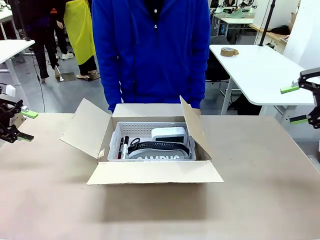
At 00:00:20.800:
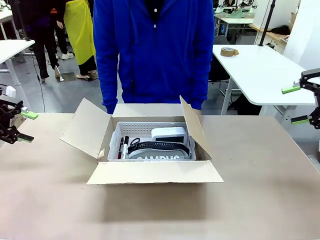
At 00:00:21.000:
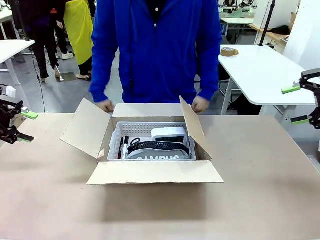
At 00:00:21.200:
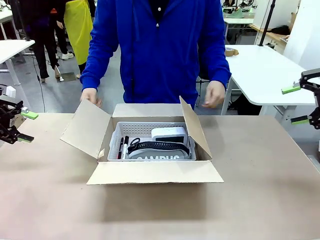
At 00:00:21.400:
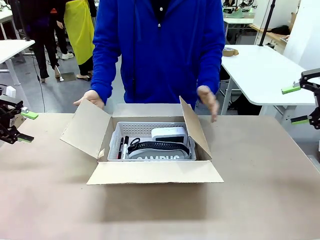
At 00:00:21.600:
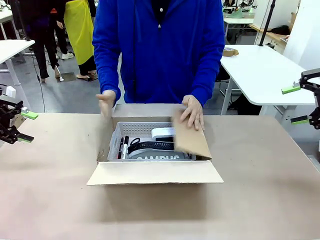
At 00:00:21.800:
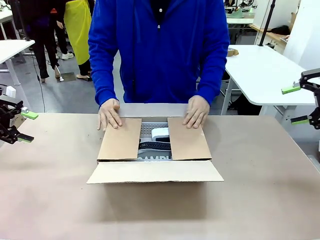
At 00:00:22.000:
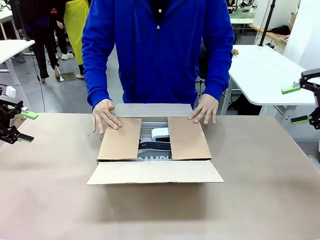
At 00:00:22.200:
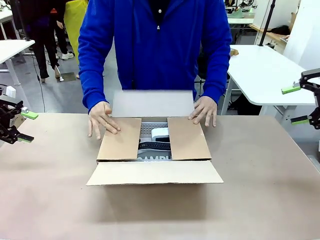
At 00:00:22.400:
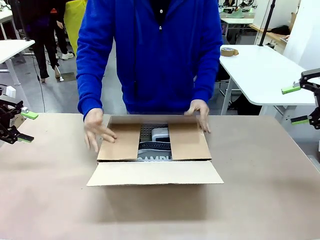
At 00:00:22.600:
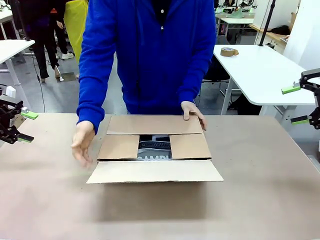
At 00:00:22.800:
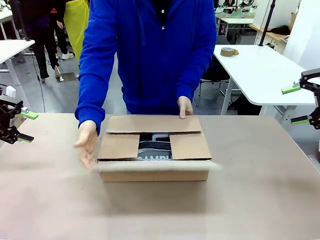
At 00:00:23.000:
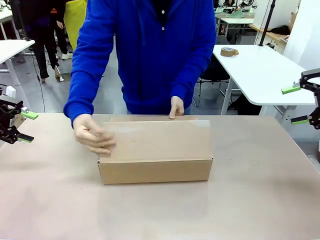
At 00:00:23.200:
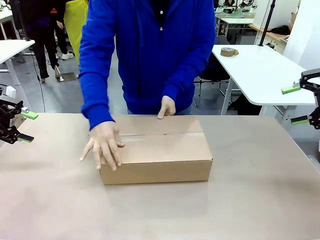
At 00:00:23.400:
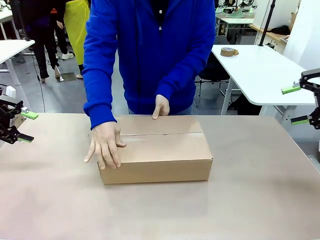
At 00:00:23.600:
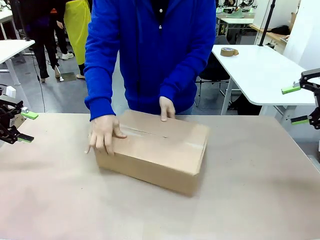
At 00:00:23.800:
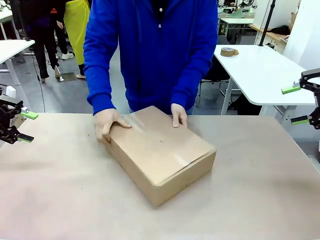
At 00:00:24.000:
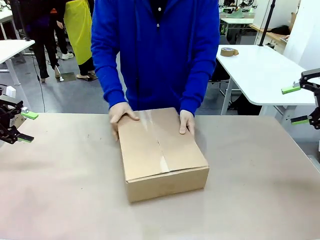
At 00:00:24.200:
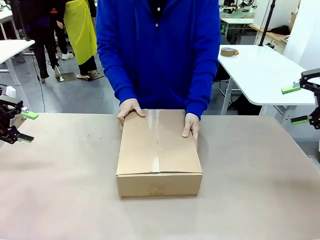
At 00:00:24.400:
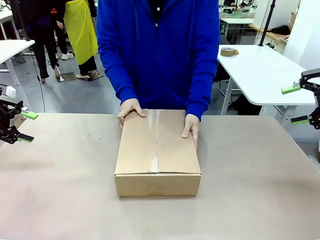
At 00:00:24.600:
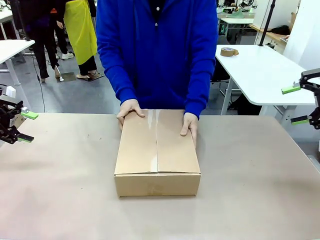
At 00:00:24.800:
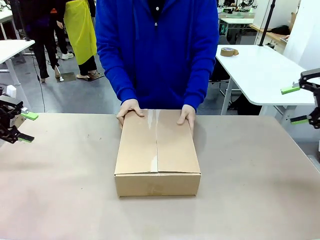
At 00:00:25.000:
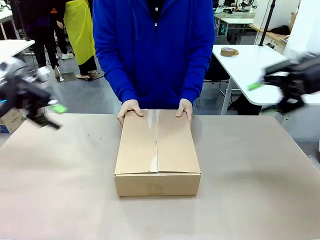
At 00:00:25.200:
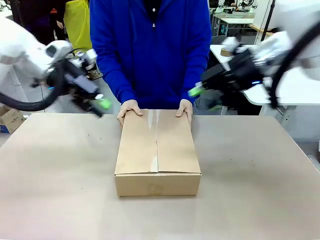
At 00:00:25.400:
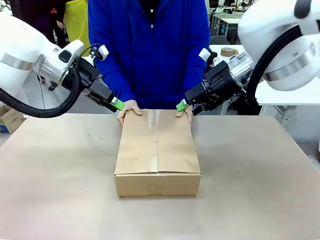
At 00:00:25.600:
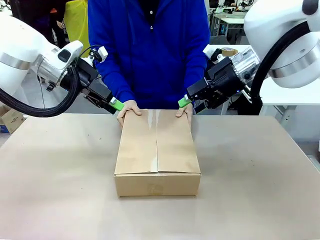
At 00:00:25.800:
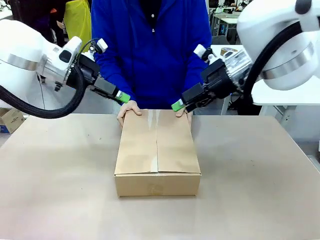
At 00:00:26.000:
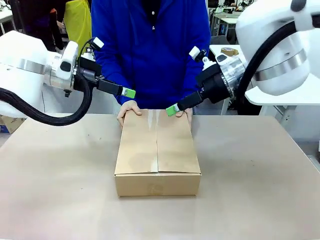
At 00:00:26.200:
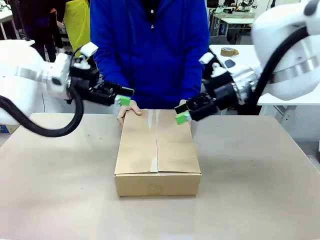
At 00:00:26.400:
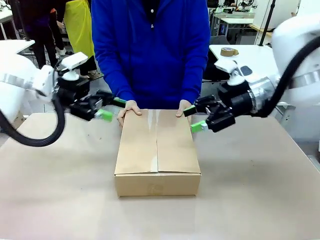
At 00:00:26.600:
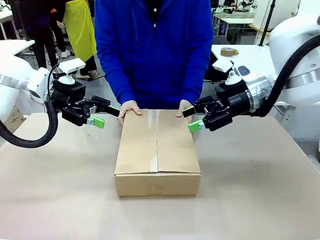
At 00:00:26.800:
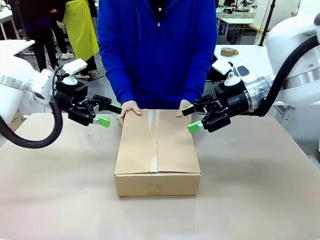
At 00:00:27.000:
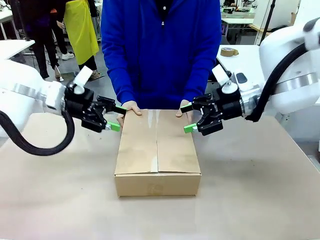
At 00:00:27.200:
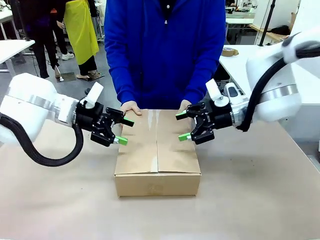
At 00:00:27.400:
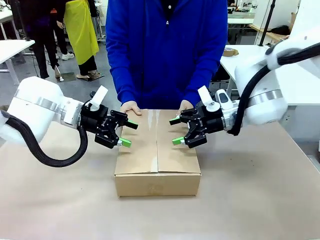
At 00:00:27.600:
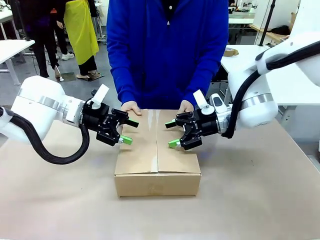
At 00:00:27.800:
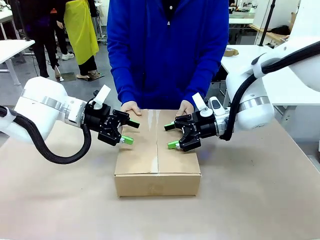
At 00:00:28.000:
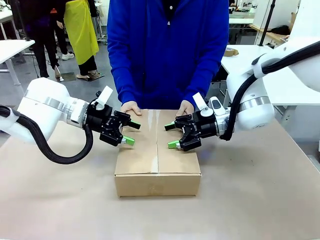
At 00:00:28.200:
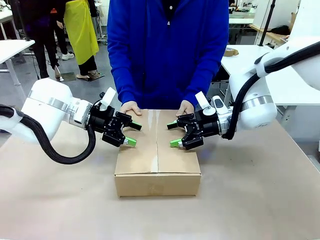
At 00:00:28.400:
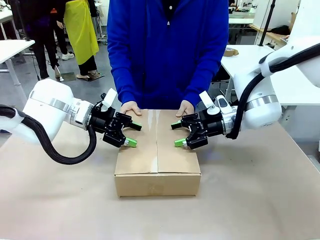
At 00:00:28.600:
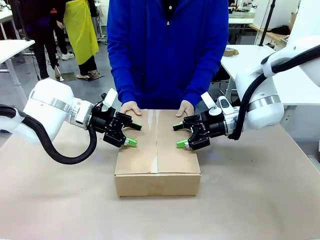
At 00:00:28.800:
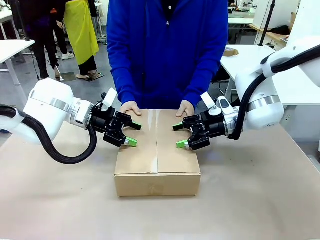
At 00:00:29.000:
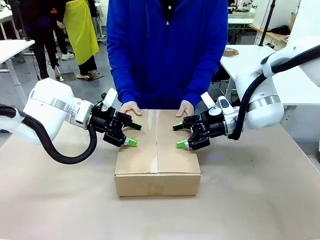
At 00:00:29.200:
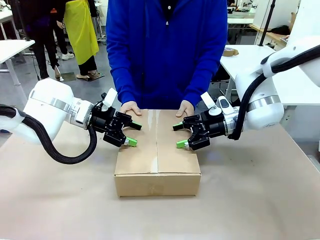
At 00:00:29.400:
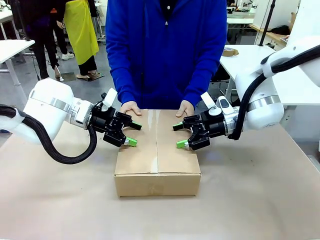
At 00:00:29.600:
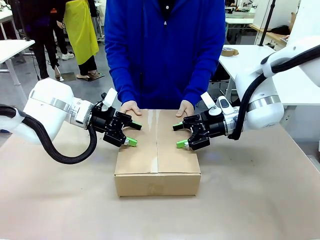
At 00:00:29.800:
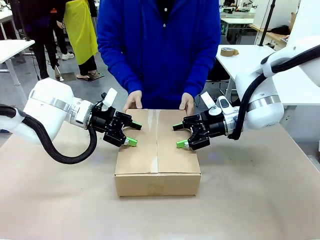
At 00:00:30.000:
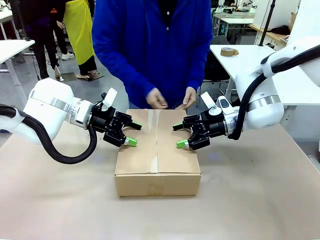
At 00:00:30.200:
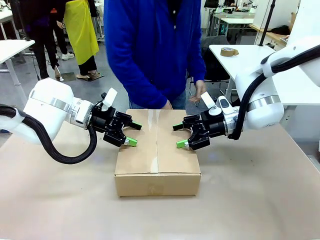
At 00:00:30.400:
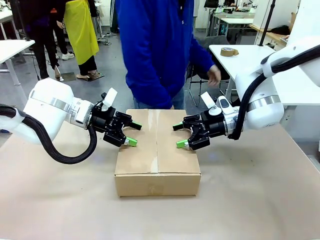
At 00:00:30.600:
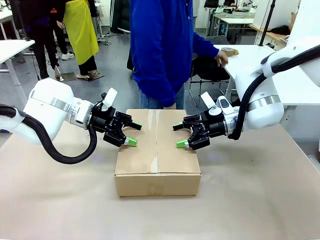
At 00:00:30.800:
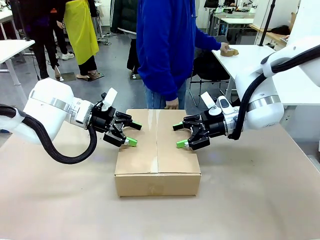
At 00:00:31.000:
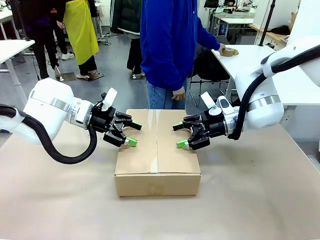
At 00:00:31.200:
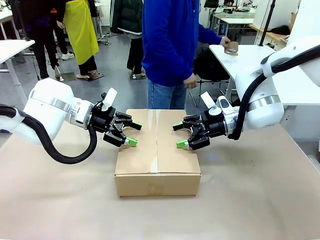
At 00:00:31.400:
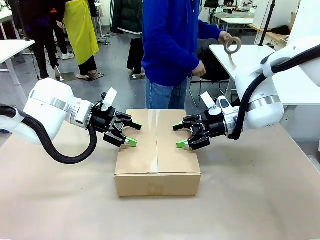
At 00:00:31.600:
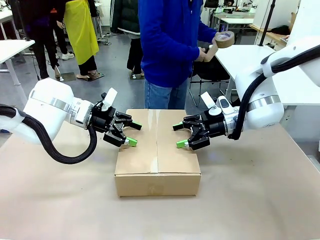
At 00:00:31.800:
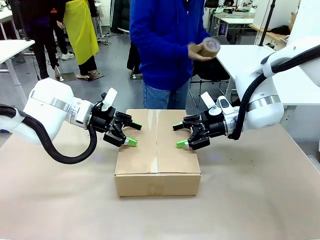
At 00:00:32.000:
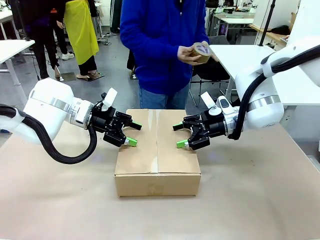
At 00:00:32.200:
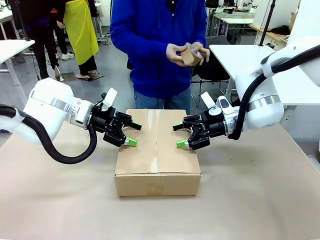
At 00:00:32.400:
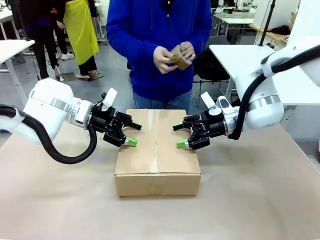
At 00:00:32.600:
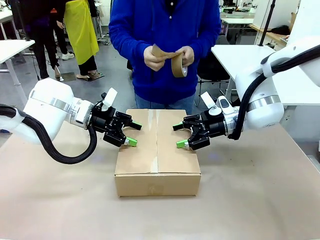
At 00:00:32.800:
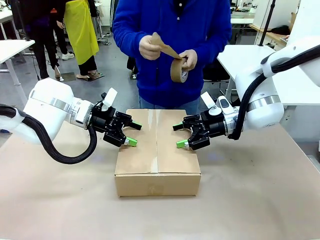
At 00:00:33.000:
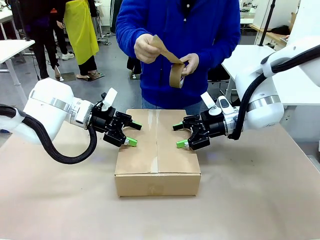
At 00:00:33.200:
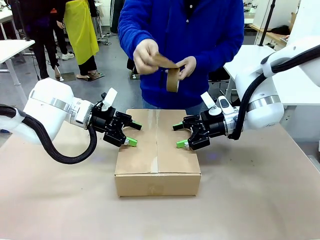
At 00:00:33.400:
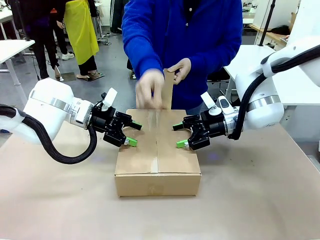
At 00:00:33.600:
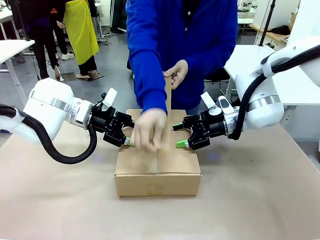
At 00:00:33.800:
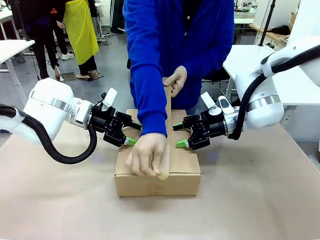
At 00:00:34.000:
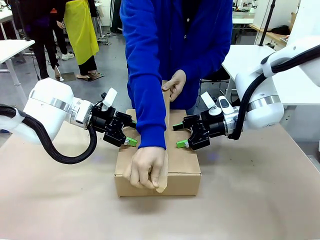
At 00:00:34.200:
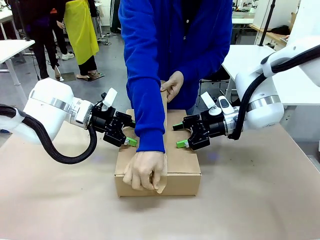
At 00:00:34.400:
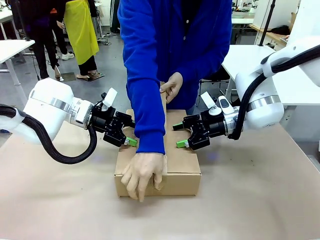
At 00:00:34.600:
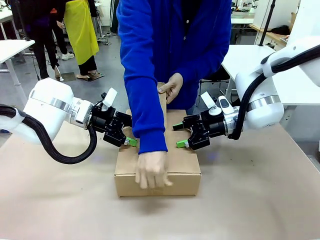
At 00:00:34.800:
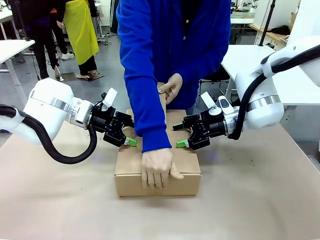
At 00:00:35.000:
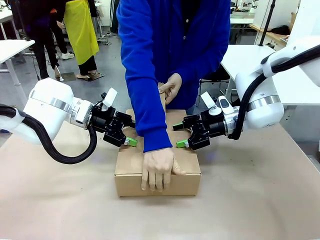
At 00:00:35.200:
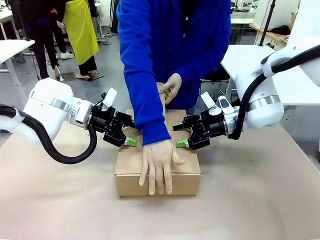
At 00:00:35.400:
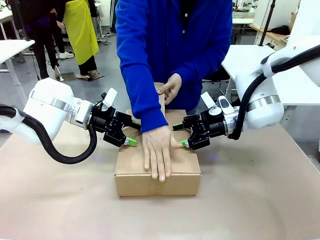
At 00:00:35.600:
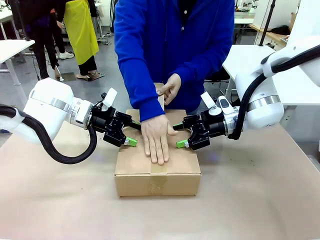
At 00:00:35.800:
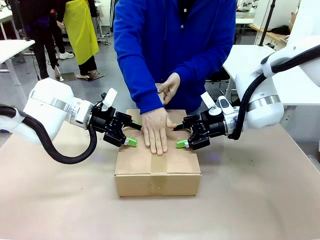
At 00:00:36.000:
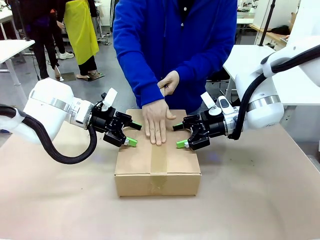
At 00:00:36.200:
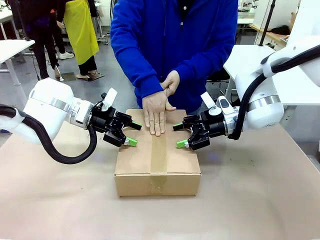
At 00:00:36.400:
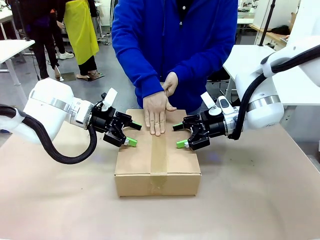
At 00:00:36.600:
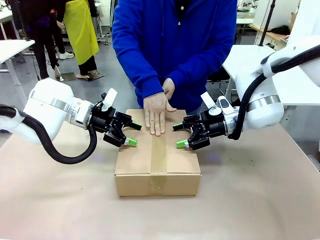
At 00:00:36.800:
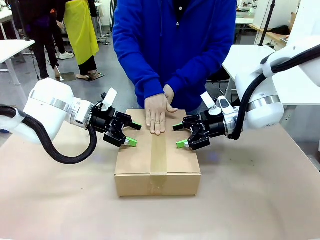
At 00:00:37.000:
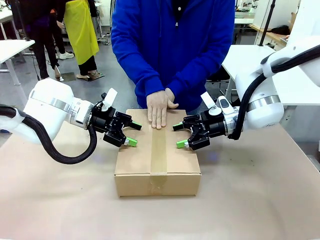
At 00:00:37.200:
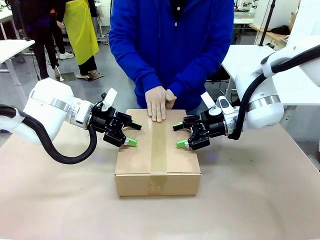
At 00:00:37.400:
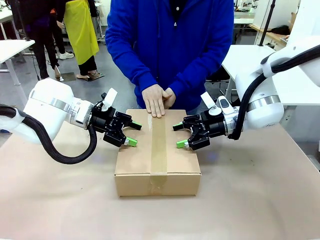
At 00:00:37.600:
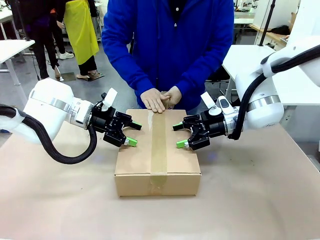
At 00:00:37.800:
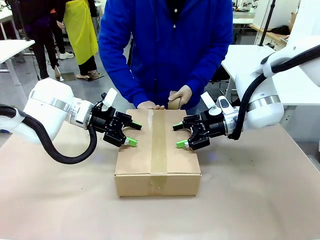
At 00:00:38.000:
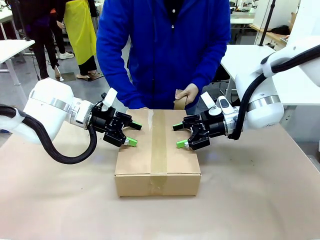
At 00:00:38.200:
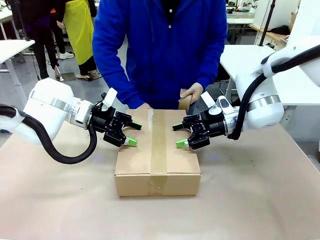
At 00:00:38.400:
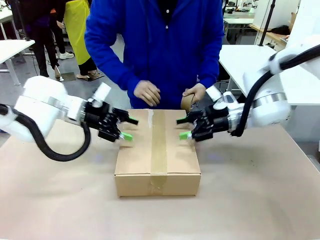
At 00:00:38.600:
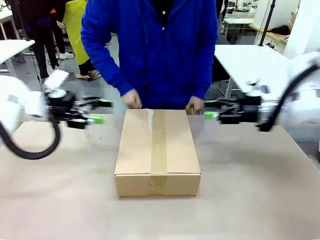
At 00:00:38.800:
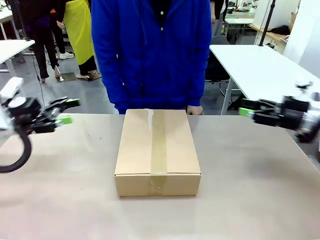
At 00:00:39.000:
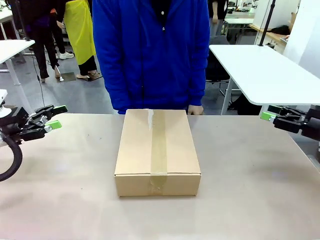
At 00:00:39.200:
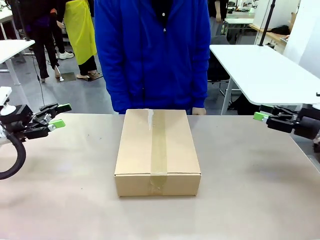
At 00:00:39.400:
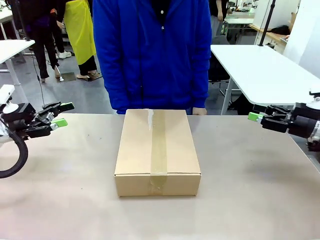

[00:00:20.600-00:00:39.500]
Task: Pack the gift set into the box.
Robot: Press and hold the closed box until the human finishes sealing it.
Person: The human closes the box and rotates the box by 90 degrees. The human picks up the paper tape from the human table and packs the box.
